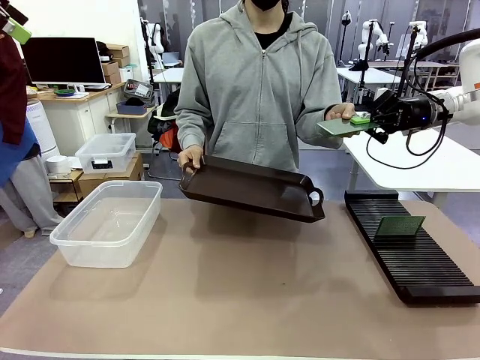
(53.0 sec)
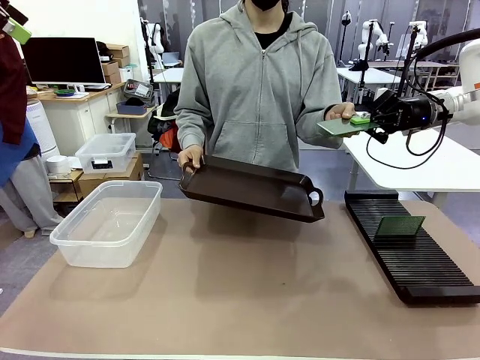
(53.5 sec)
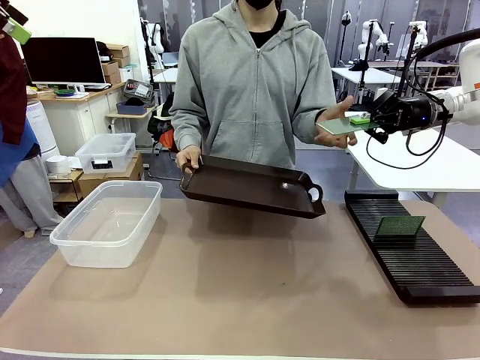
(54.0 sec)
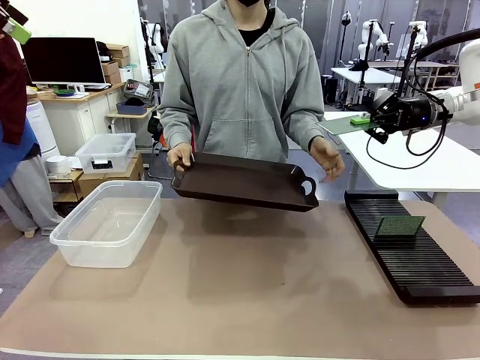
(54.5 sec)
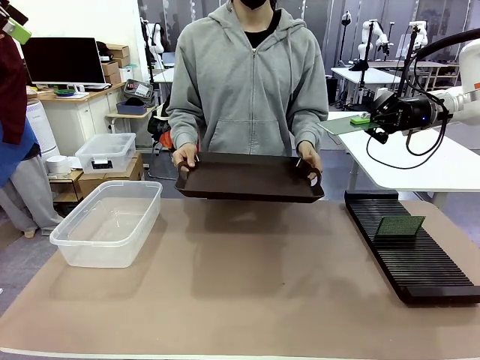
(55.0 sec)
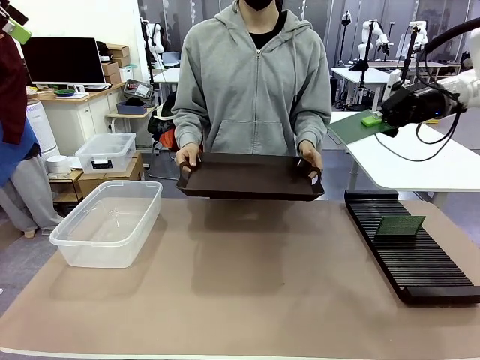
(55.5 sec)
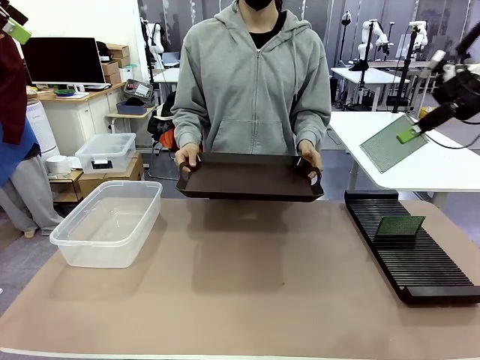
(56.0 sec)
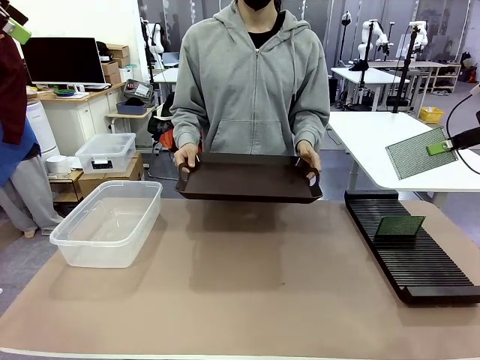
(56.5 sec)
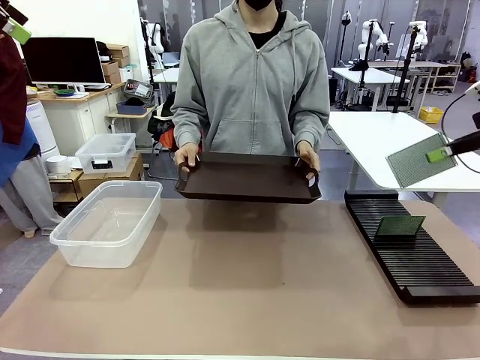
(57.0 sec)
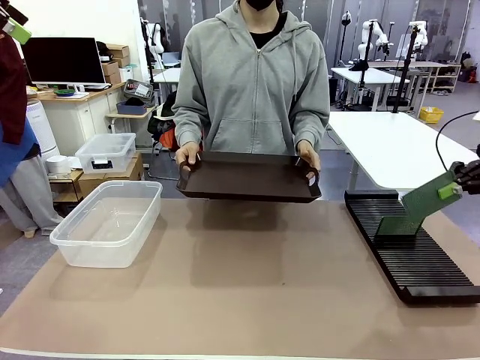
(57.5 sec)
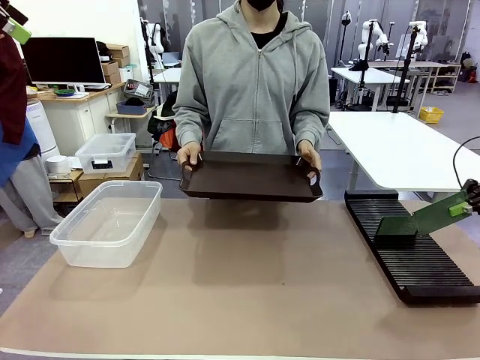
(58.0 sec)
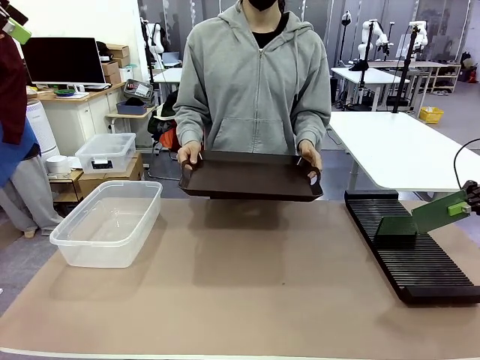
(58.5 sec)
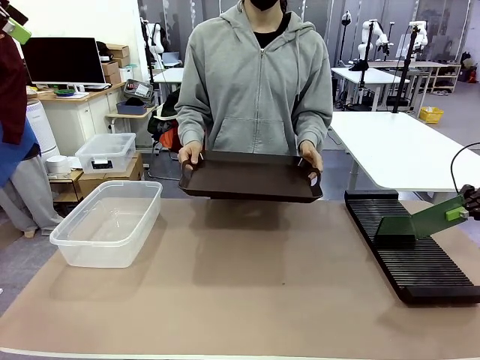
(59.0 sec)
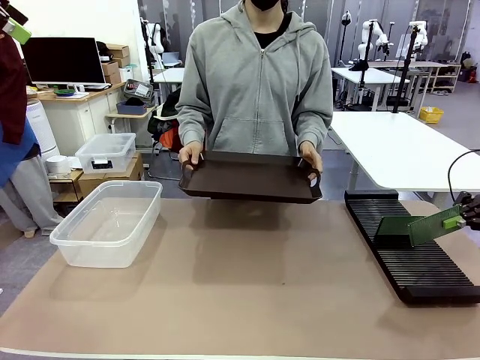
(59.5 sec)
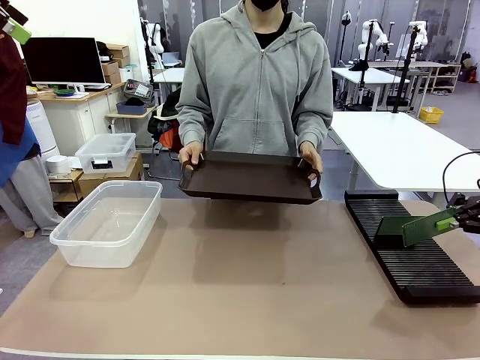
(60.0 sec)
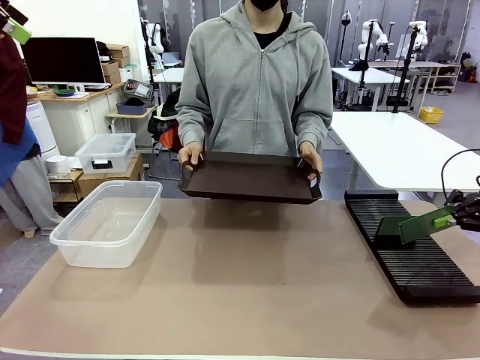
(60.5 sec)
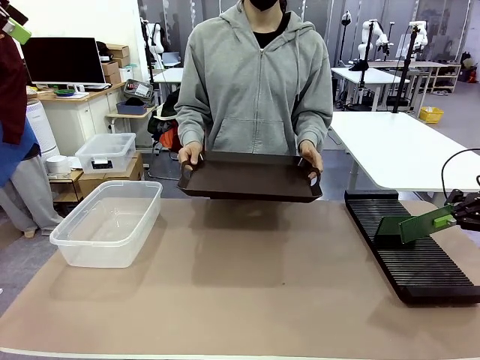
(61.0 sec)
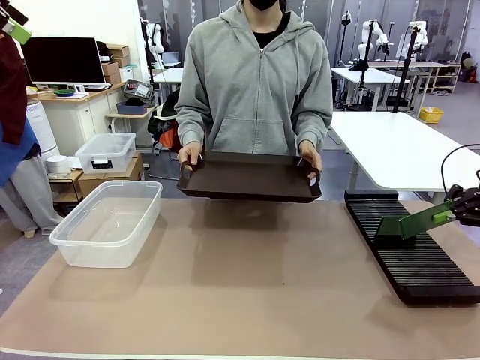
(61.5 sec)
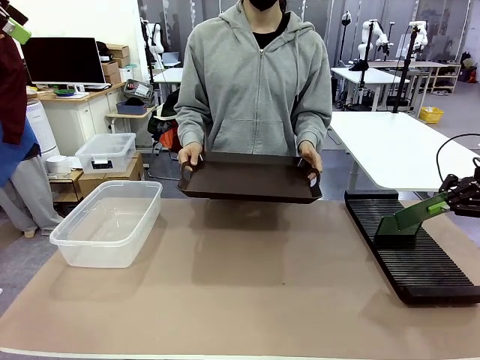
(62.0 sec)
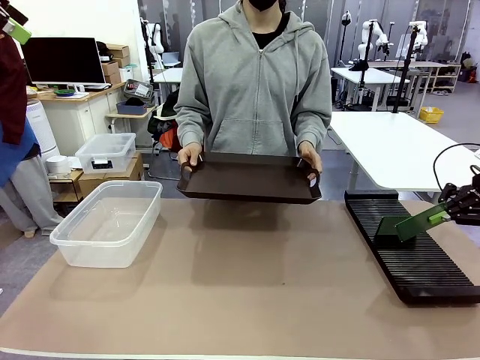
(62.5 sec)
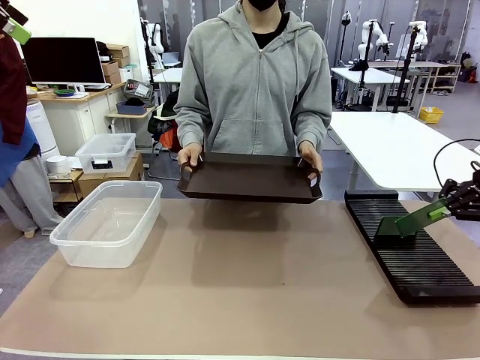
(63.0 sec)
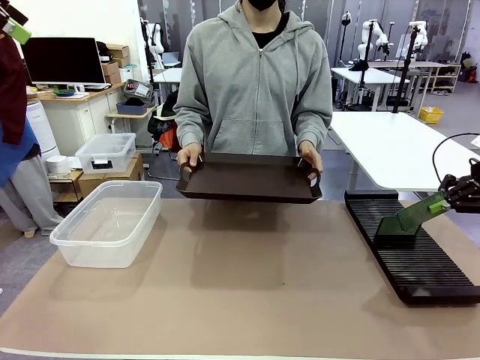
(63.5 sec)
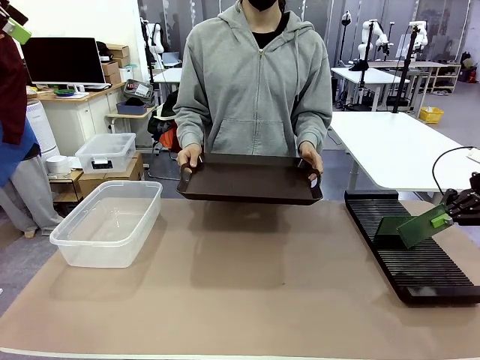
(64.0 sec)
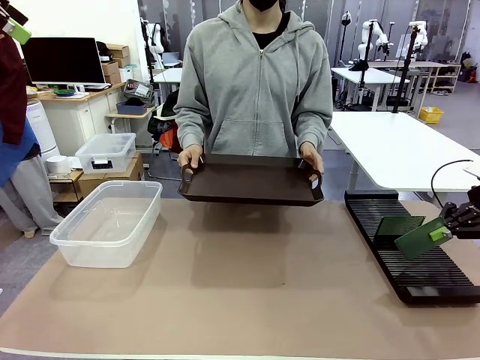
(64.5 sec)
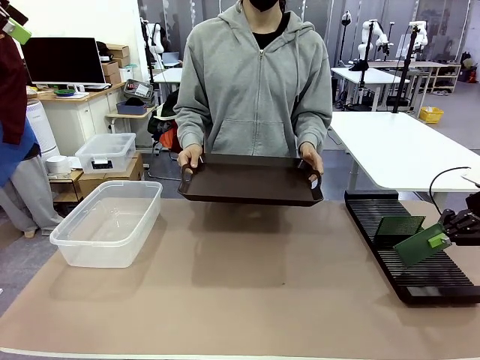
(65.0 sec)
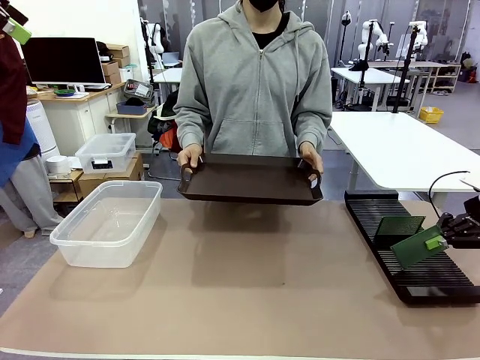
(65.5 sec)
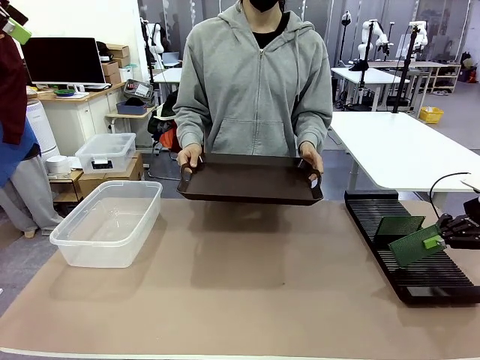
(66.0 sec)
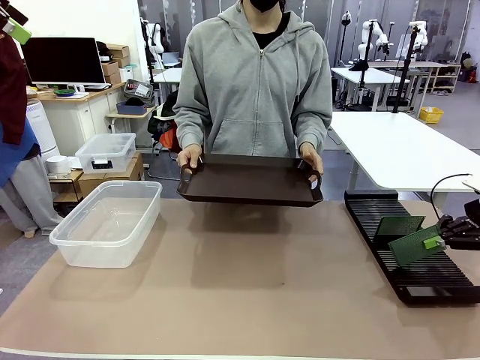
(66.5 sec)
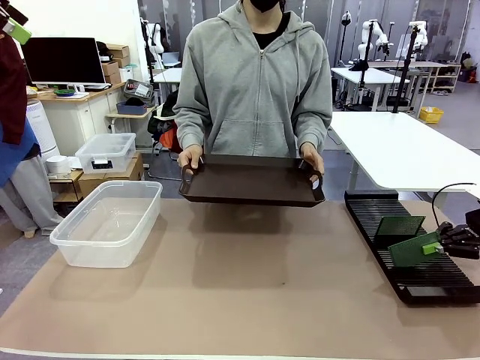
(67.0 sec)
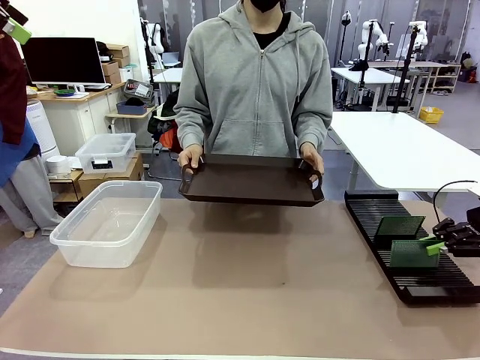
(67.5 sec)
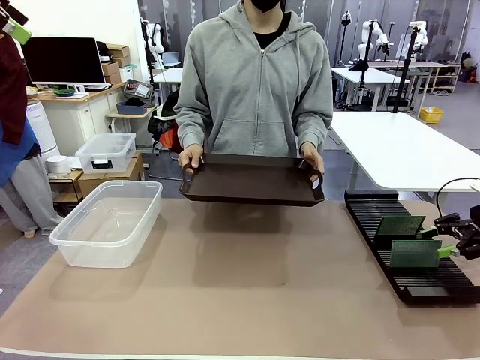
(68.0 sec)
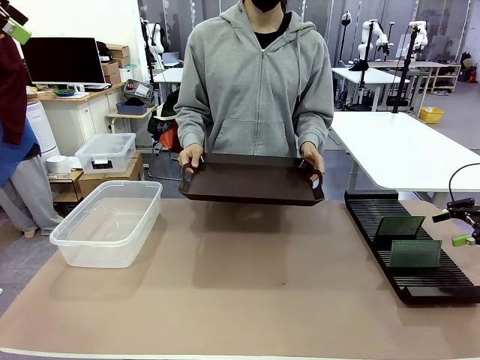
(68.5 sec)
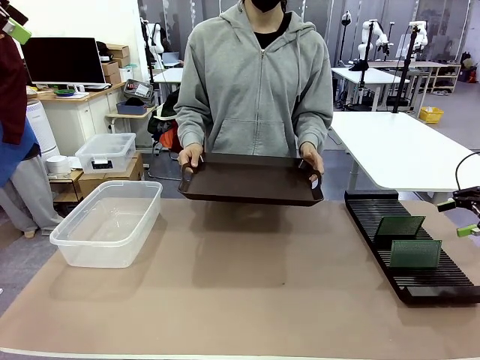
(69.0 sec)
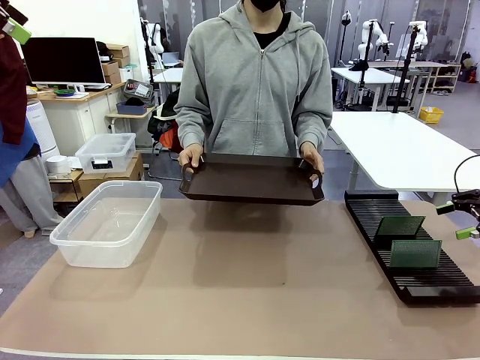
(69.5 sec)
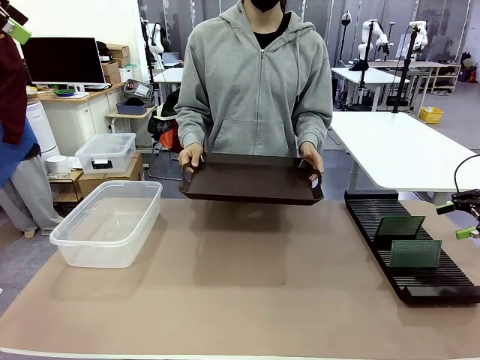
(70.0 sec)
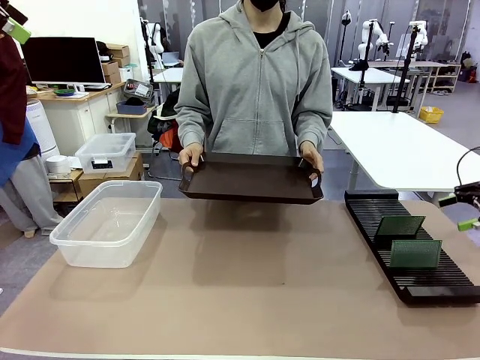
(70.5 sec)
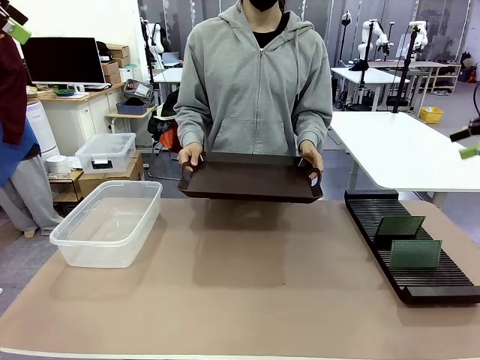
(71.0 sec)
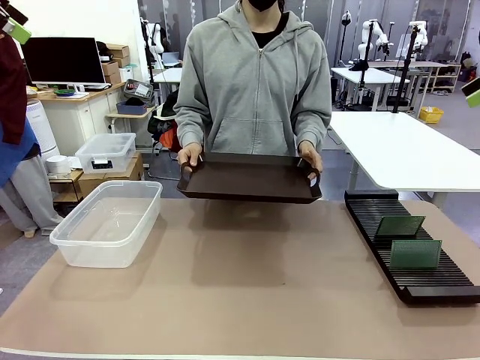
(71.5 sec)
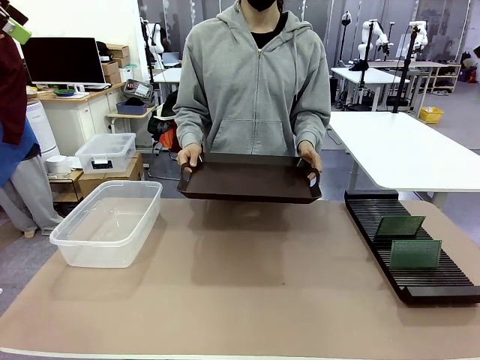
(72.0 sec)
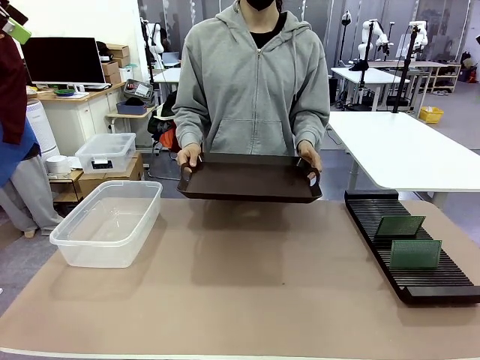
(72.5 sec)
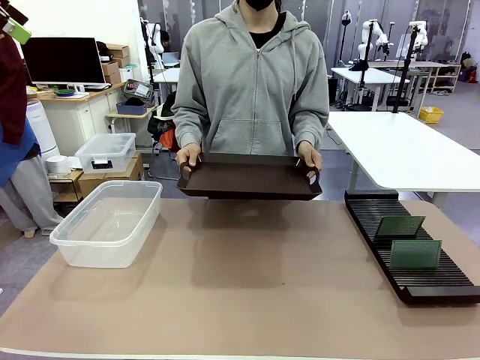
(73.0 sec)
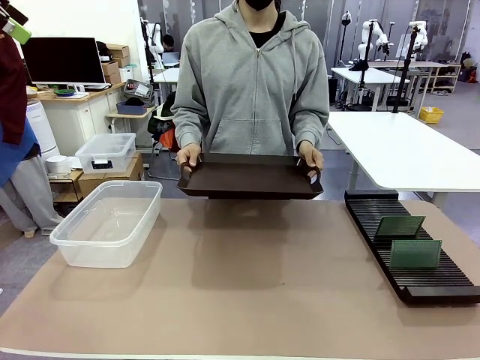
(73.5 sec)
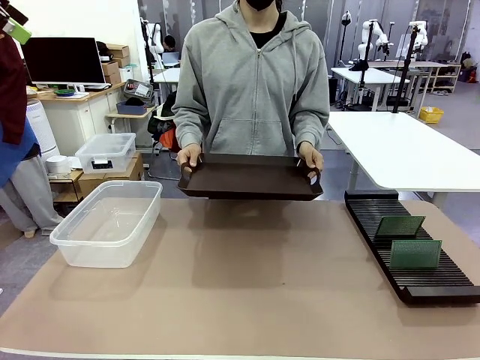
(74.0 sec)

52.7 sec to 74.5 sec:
Task: Sort PCBs into racks and boxes based on the side picked up.
Robot: If the short side of the Blank PCB is picked up, insert it into the PCB Rack ; if the long side is picked up, place it in the Organizing box.
Person: Release the PCB being held.
